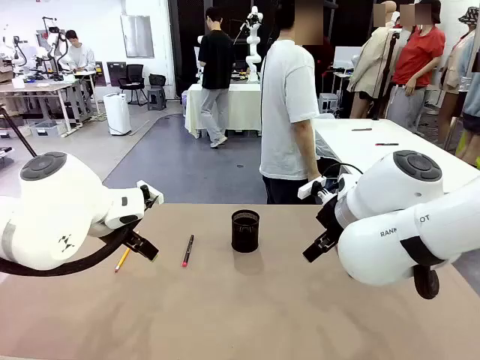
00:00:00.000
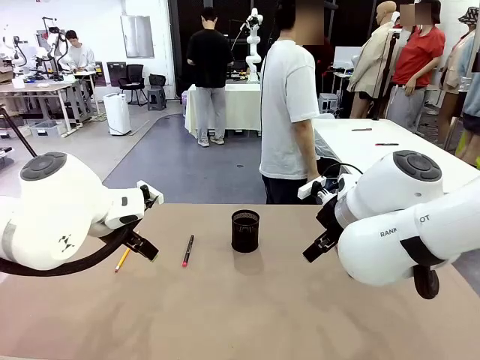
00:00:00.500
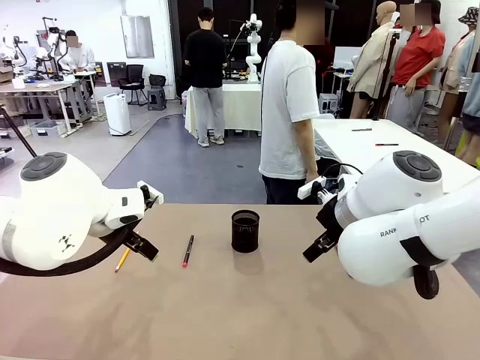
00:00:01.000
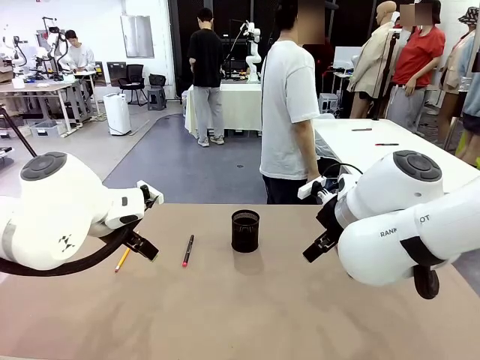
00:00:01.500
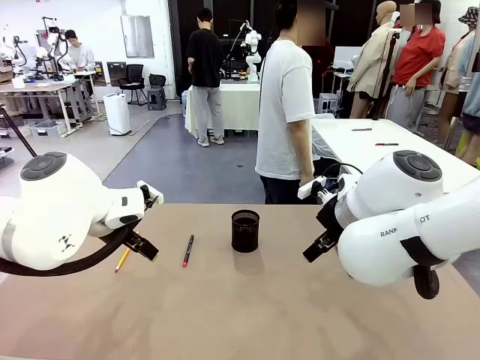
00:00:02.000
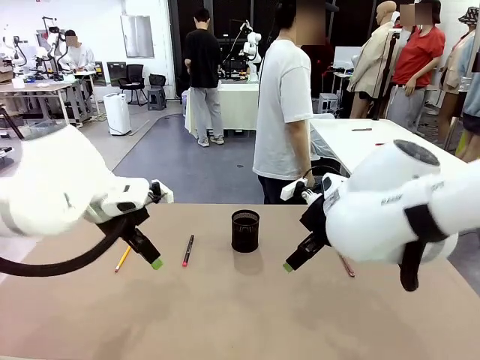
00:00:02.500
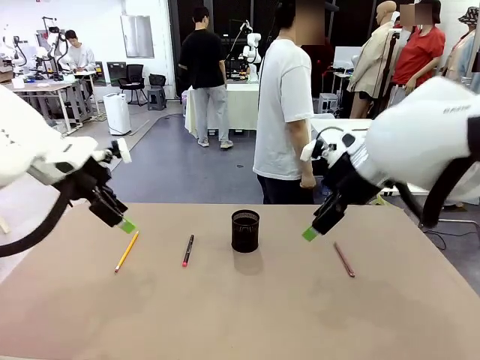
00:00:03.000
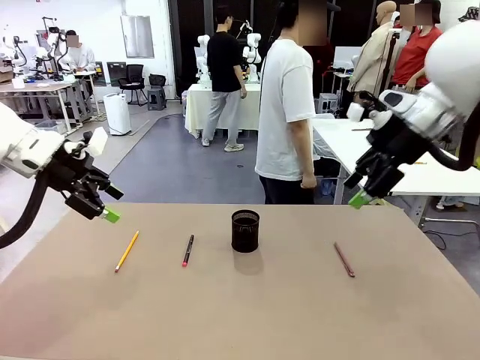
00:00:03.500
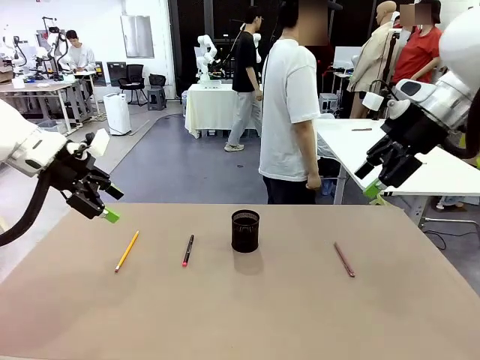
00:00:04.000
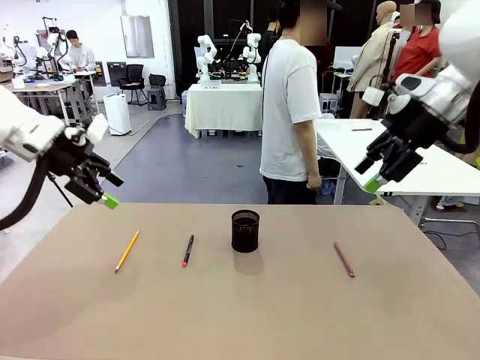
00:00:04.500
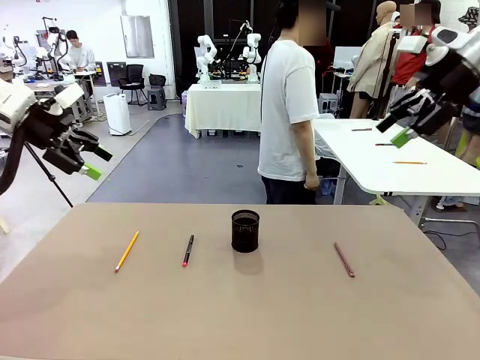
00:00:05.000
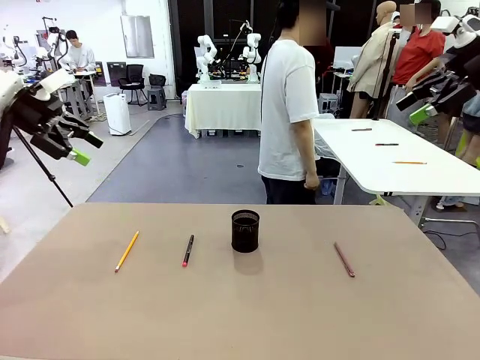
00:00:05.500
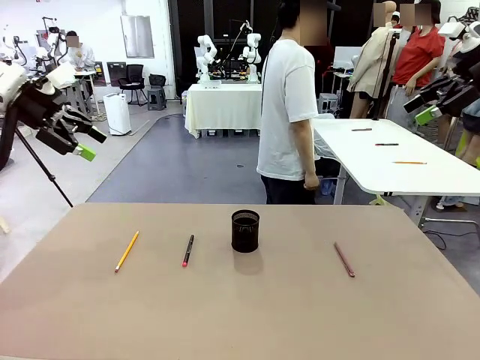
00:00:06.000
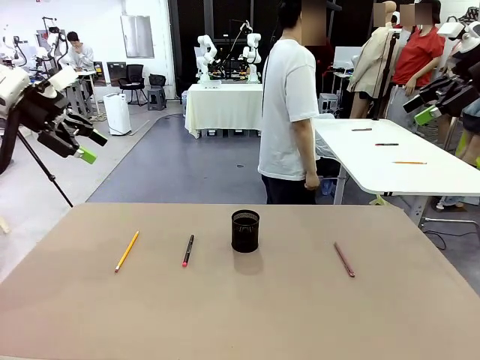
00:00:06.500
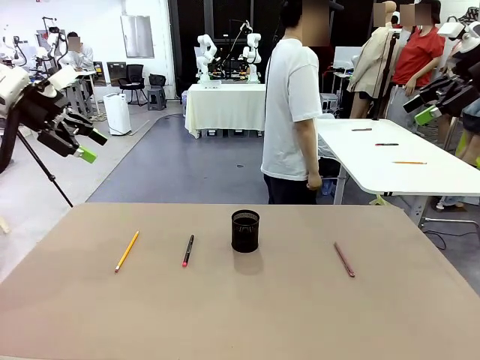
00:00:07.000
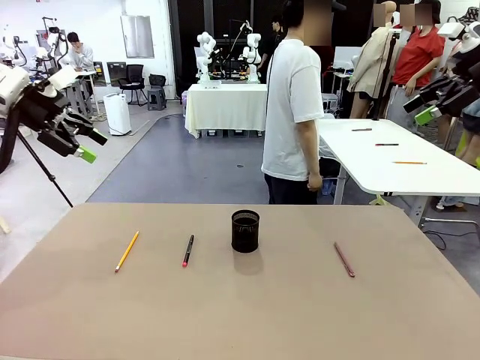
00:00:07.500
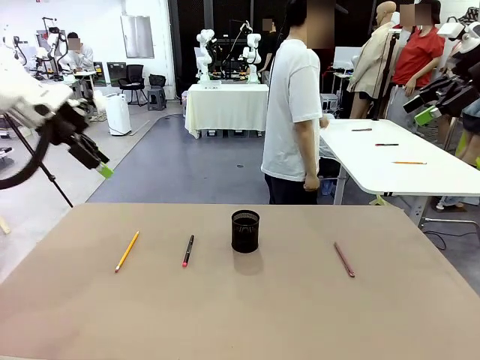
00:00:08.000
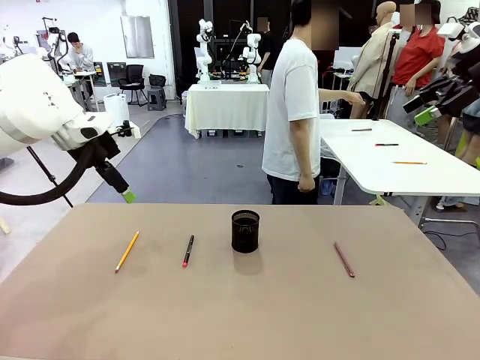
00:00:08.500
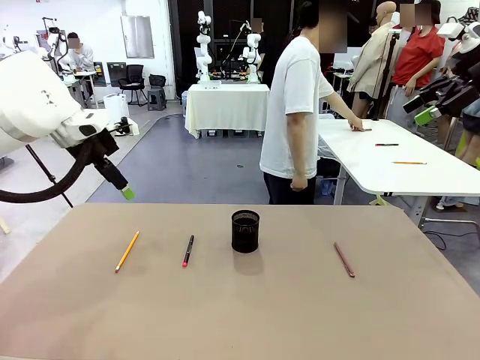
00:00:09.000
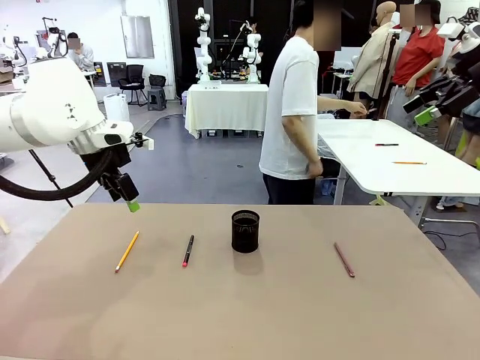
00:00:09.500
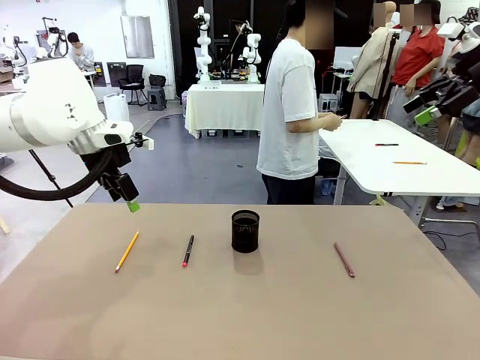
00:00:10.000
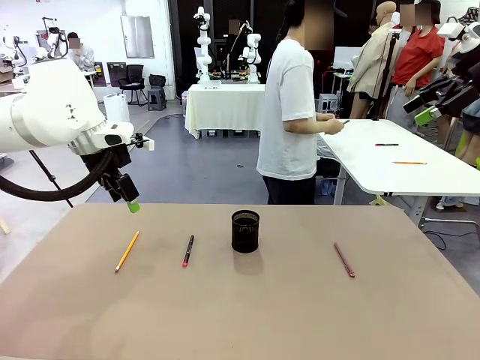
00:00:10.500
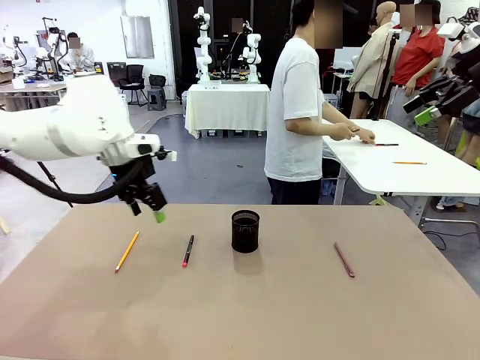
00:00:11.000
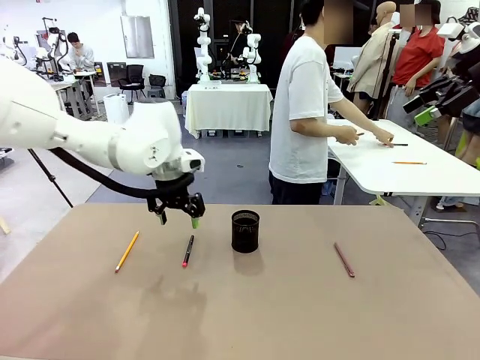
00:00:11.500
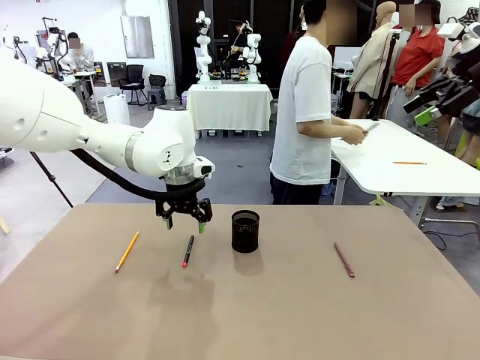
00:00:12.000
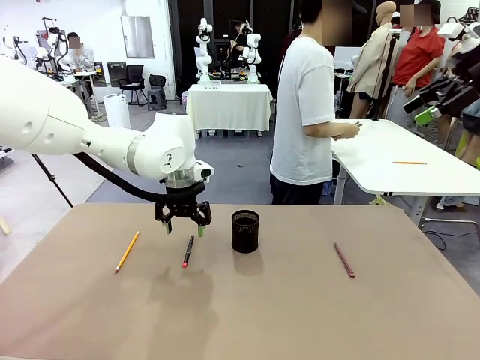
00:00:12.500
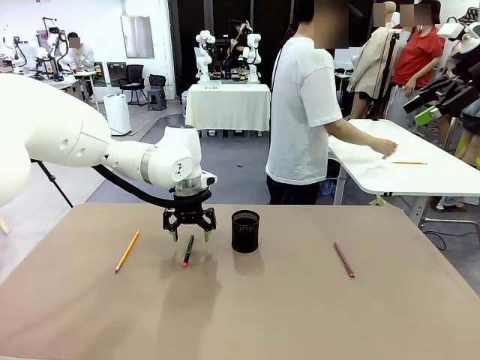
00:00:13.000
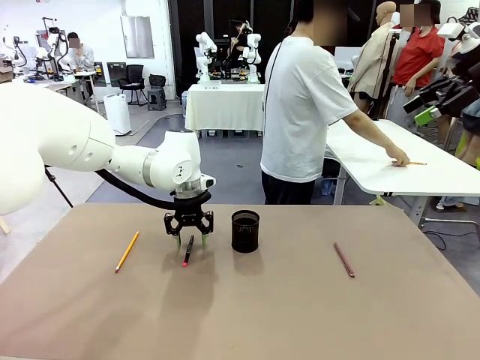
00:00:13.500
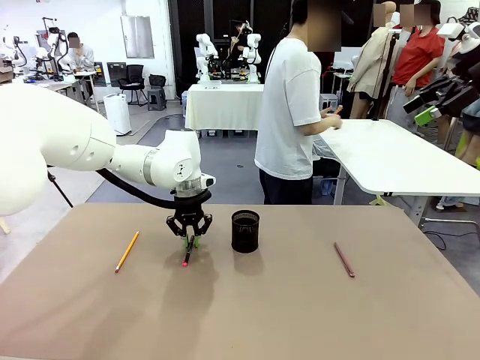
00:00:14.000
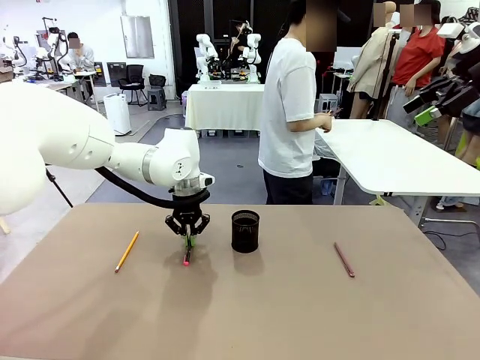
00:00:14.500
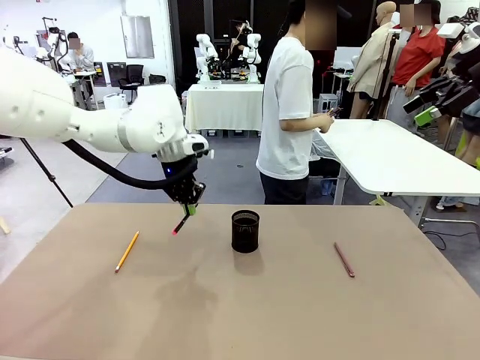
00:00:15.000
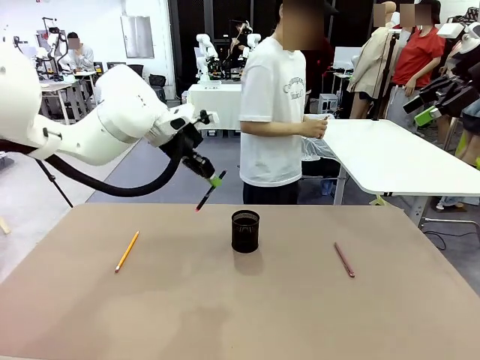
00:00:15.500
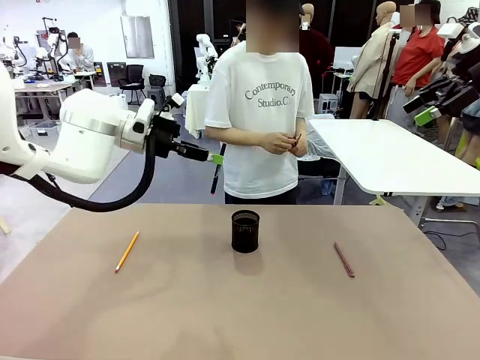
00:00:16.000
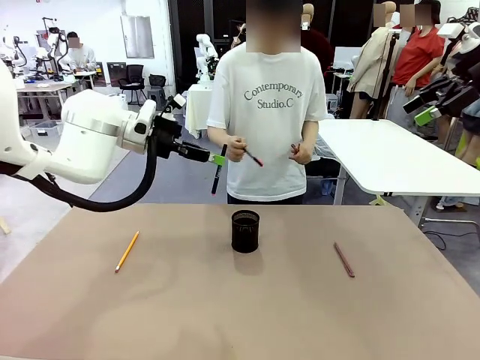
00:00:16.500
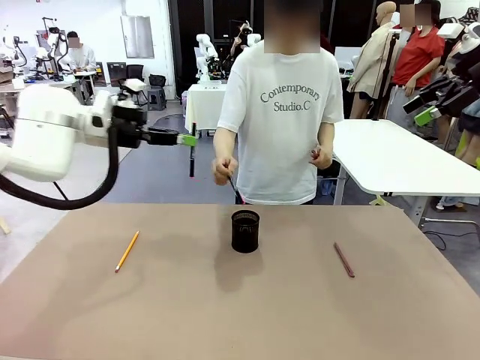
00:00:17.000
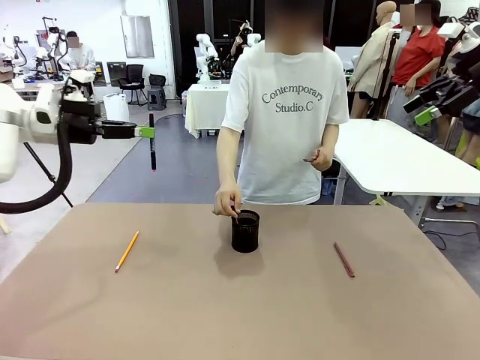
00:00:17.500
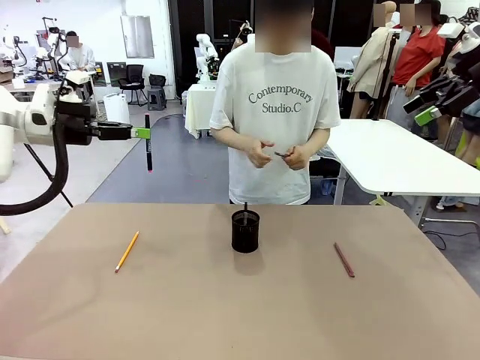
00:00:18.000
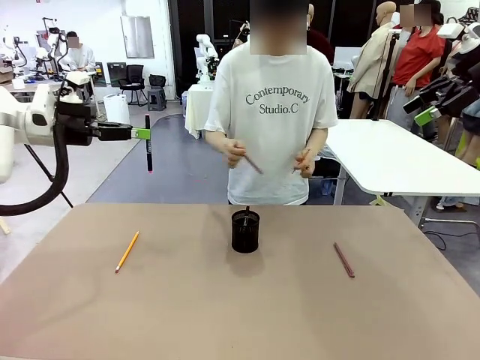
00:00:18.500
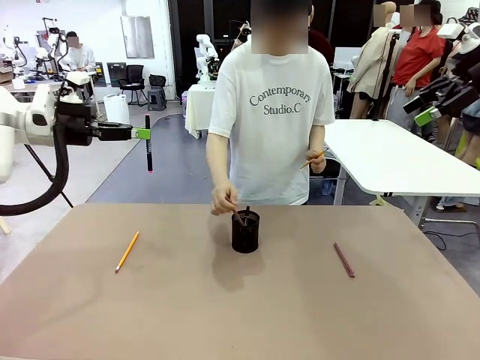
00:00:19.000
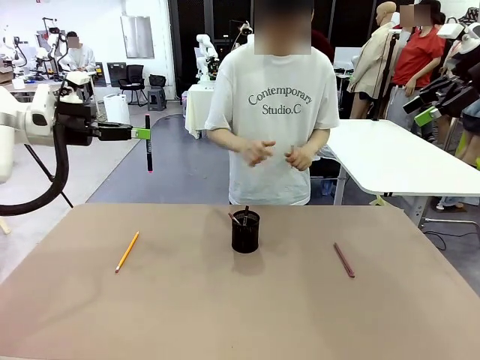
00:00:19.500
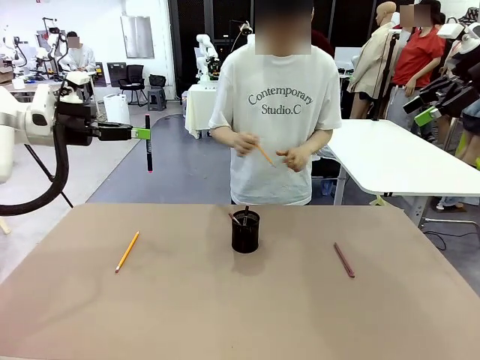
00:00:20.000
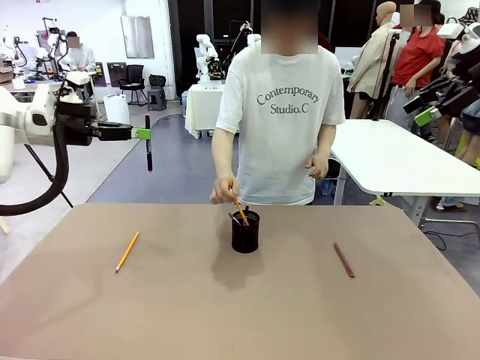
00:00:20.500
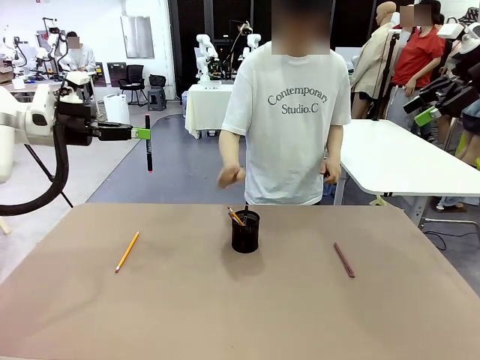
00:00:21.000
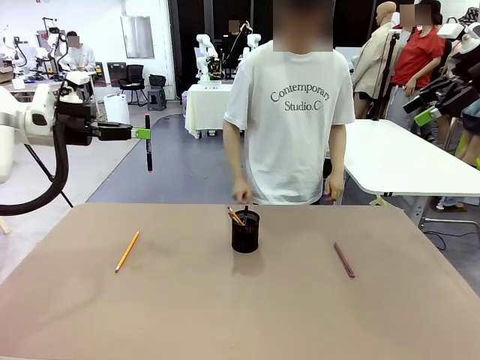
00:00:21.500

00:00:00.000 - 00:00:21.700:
Task: Place the pens into the pen holder.
Robot: Pick up a writing instrument from the table and place it into the Pen holder.
Person: Pick up all writing instruments from the Human table.

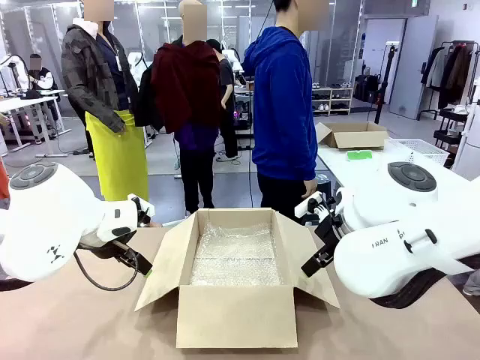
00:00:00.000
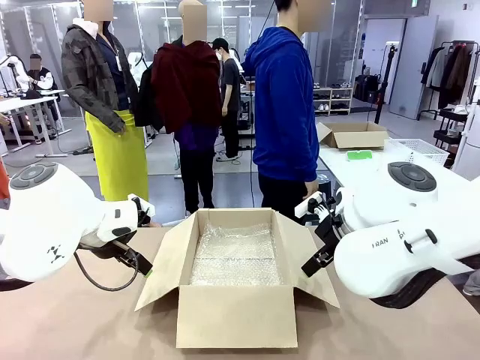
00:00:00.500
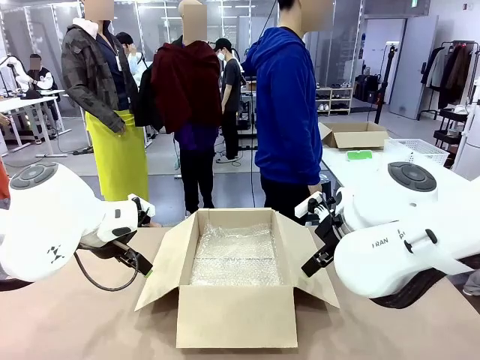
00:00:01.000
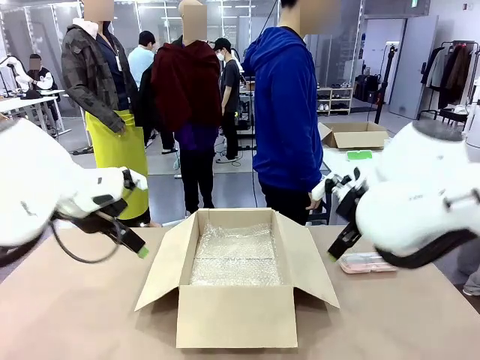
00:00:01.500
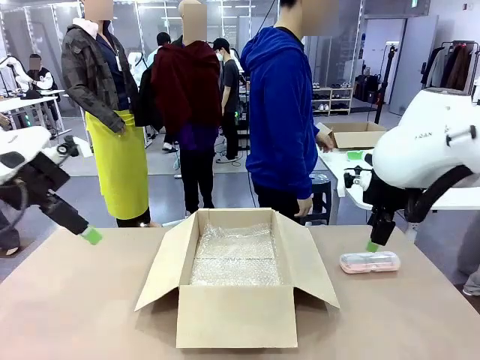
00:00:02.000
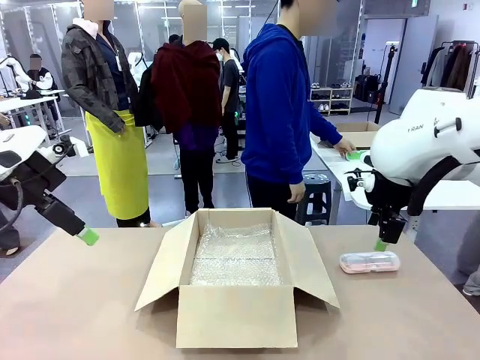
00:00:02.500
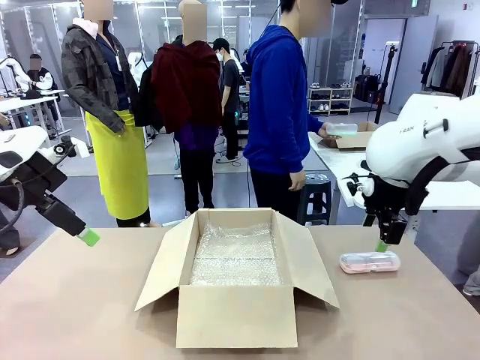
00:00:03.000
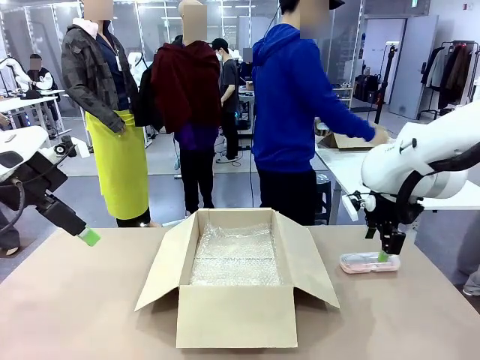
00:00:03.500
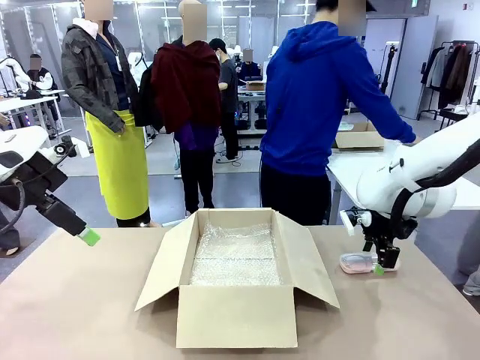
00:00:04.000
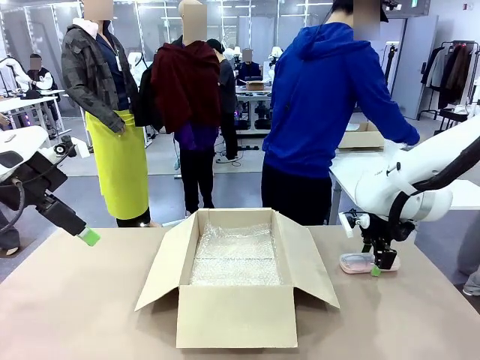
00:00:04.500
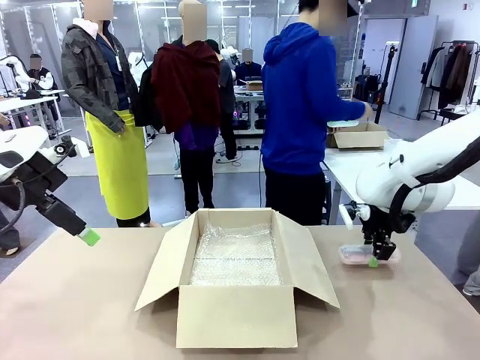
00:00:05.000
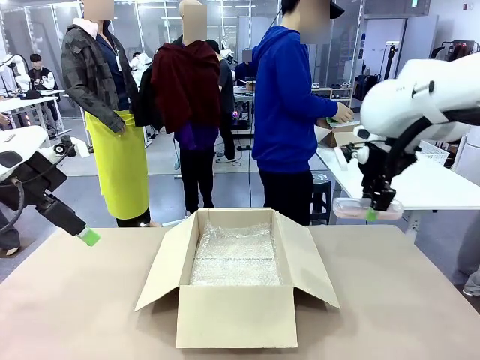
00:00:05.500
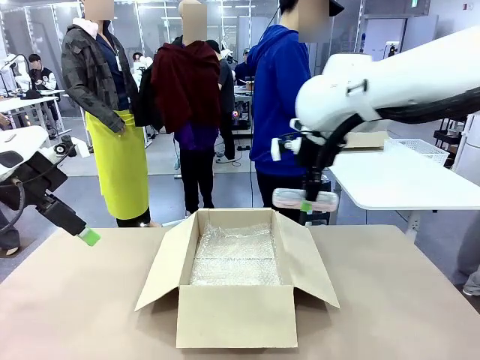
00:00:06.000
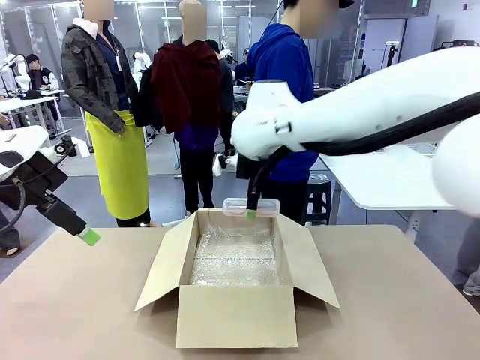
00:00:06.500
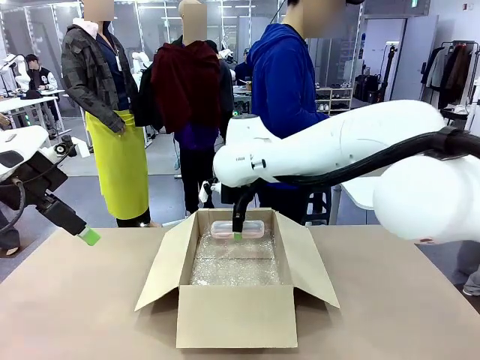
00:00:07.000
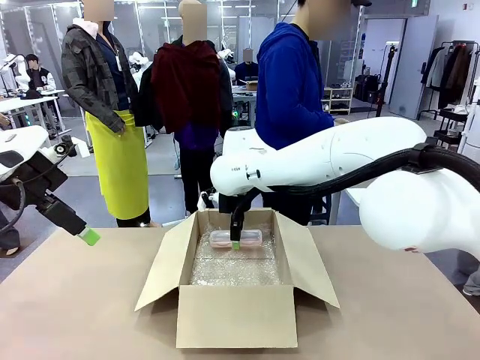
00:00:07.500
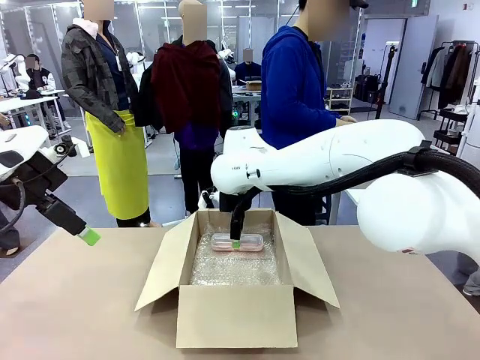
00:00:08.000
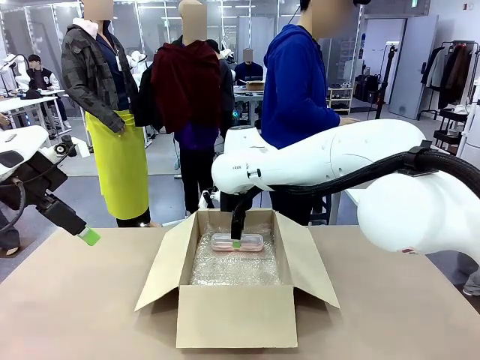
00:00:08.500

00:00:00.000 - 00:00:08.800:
Task: Pack the glasses set securely to prepare it for shipping.
Robot: Place the Glasses case inside the Package Box.
Person: Place the Glasses inside the Glasses case.
